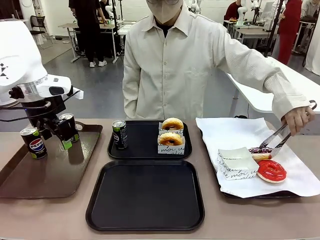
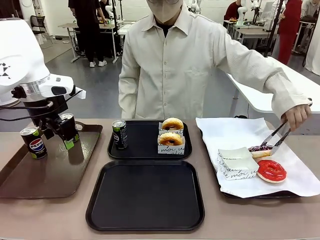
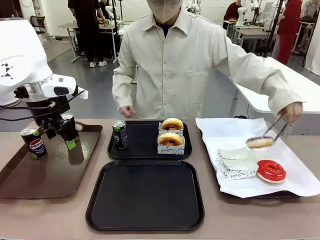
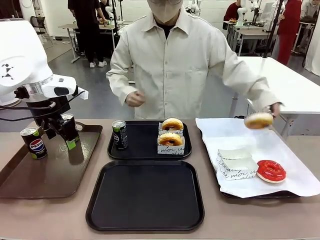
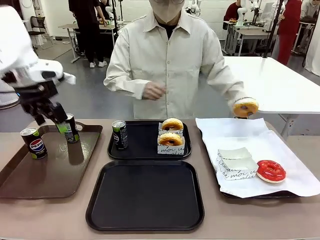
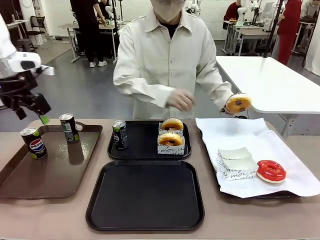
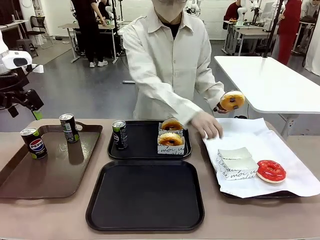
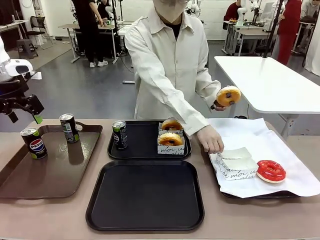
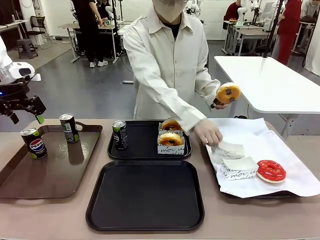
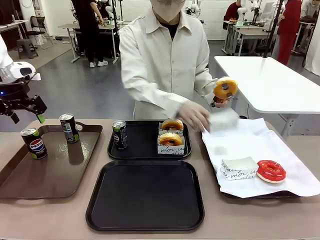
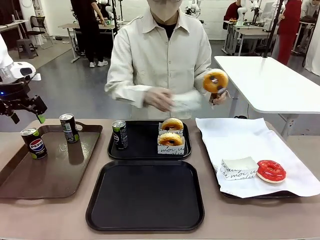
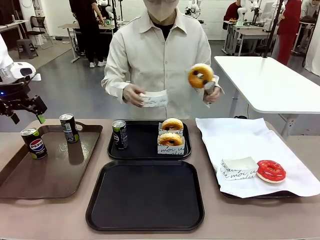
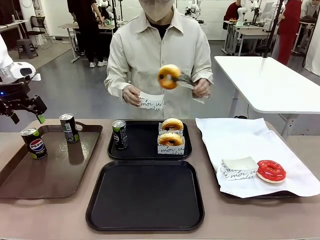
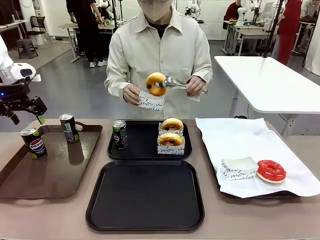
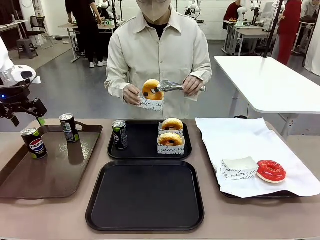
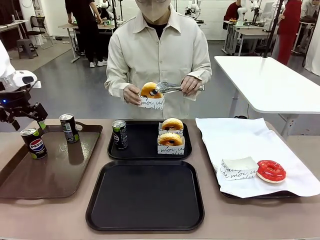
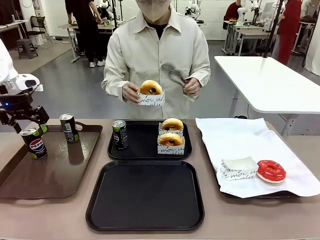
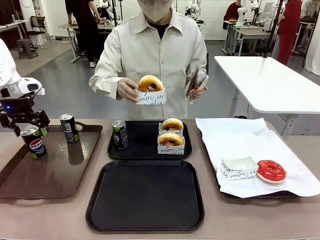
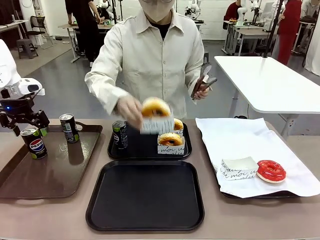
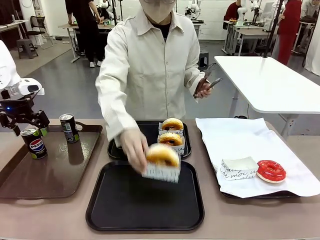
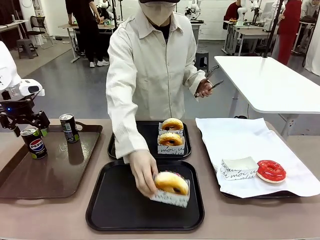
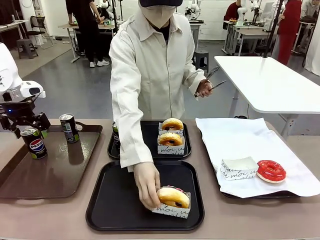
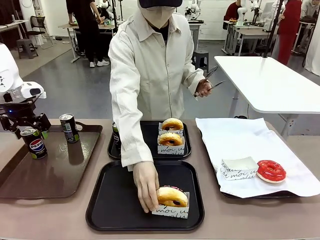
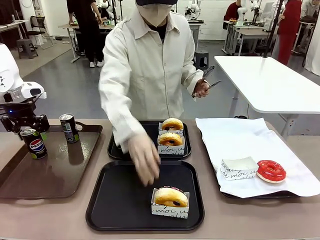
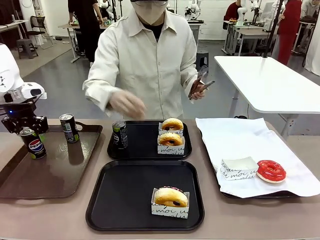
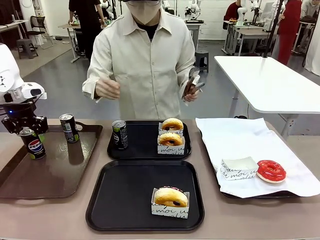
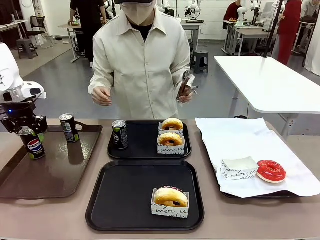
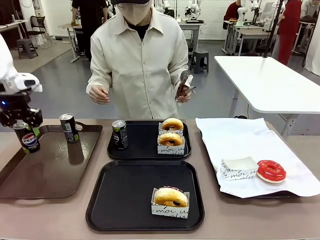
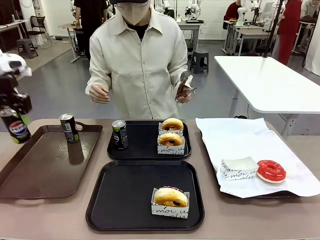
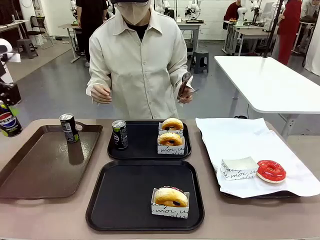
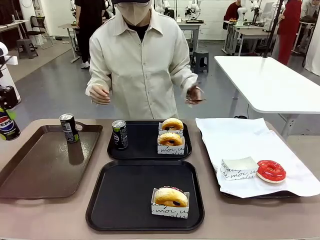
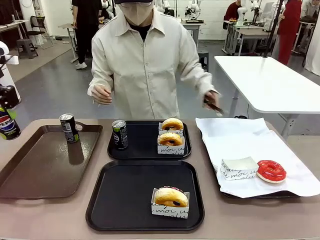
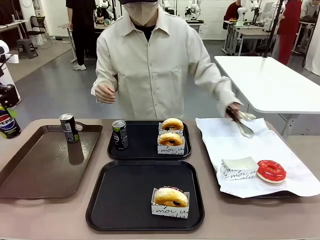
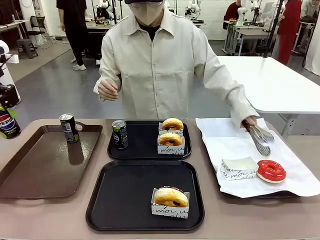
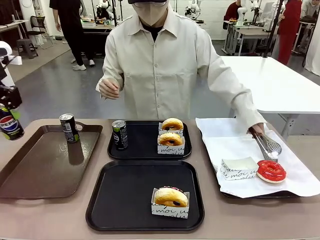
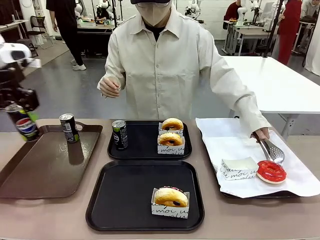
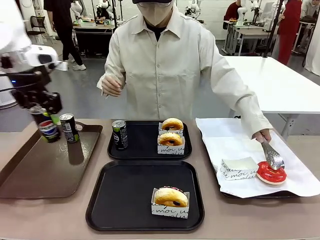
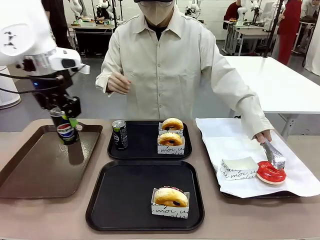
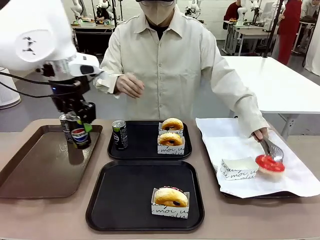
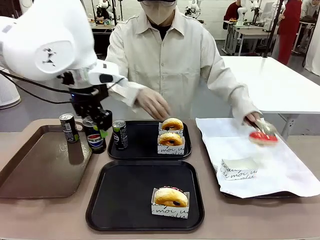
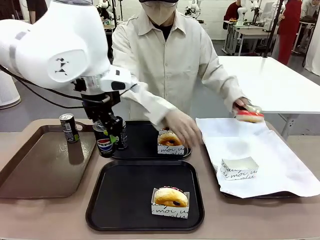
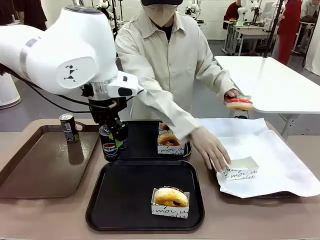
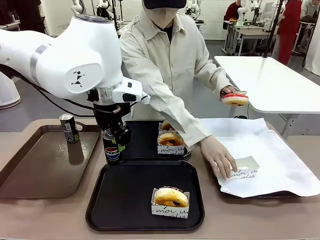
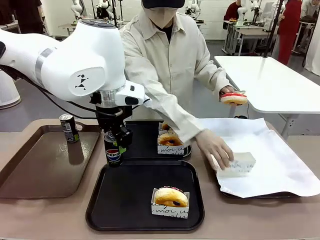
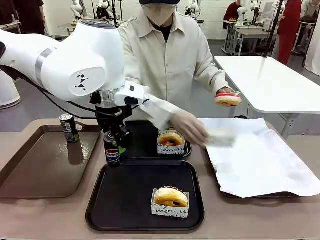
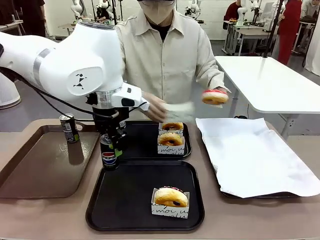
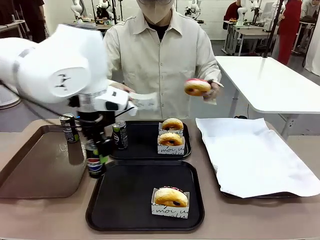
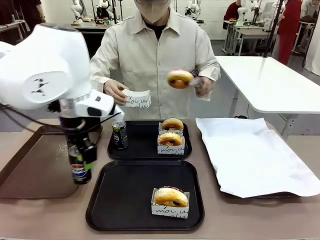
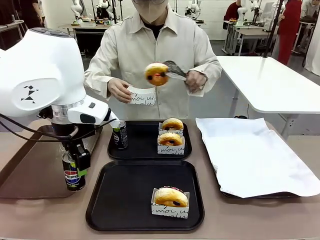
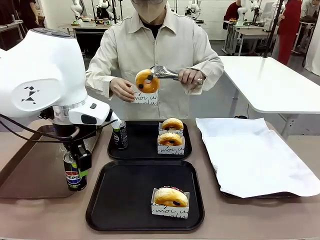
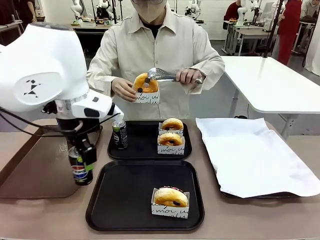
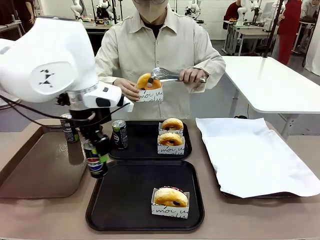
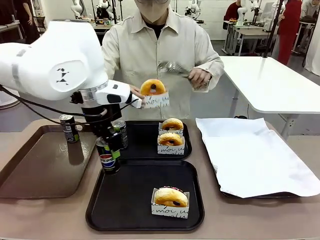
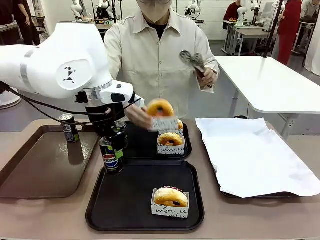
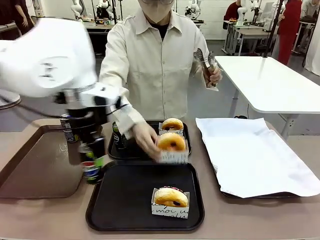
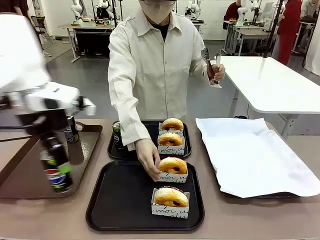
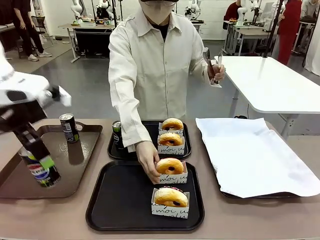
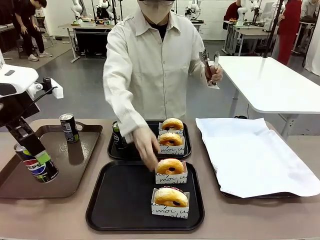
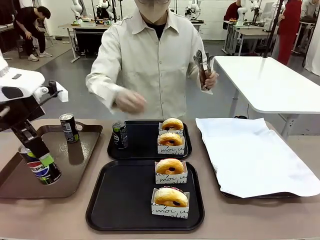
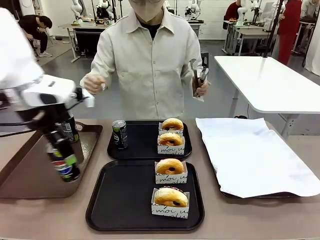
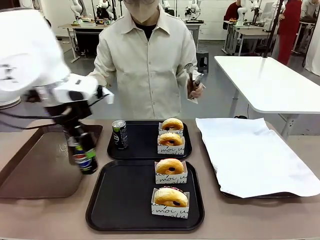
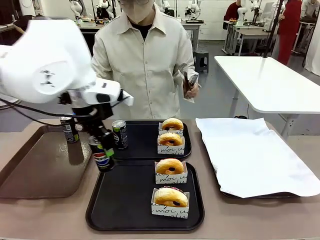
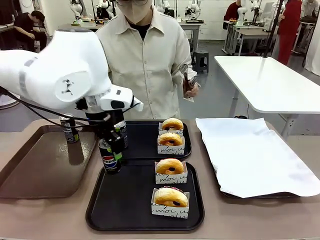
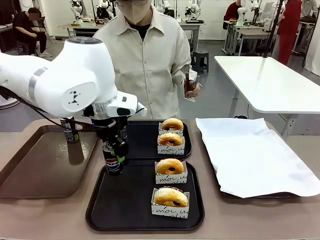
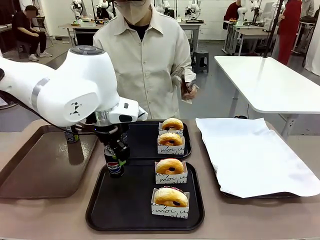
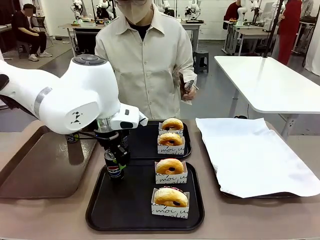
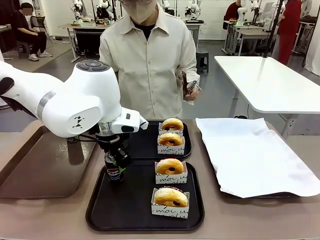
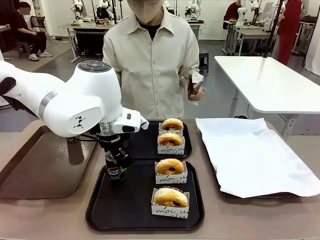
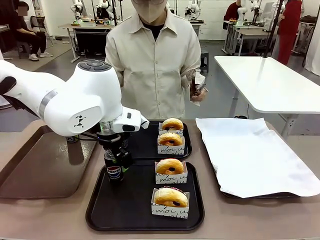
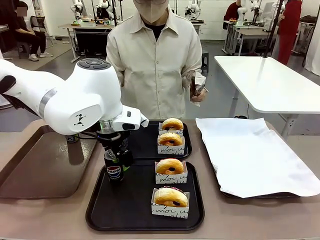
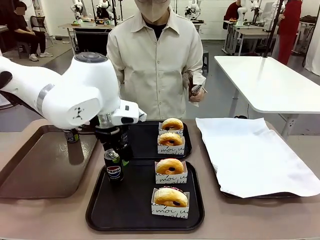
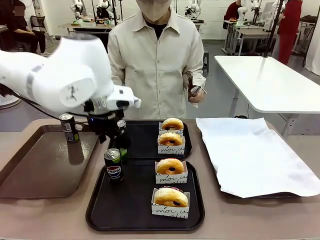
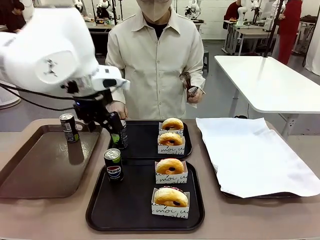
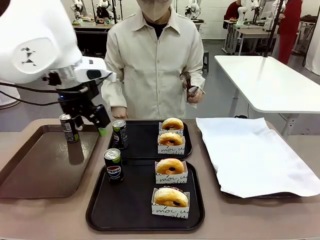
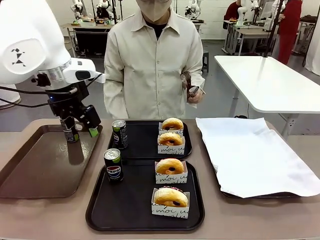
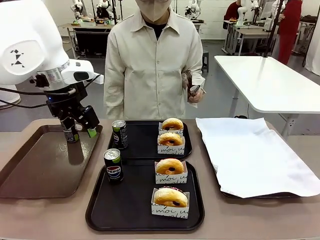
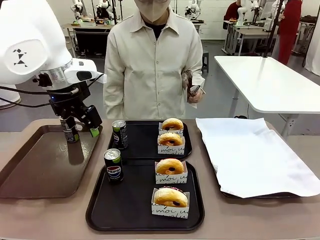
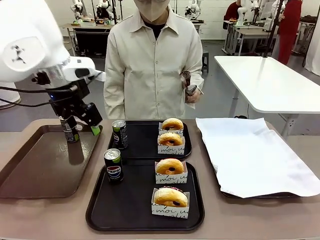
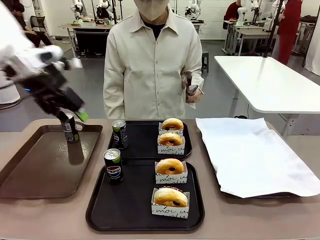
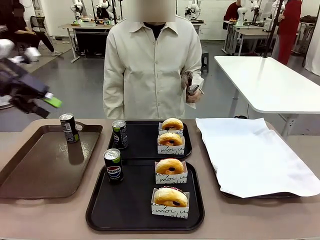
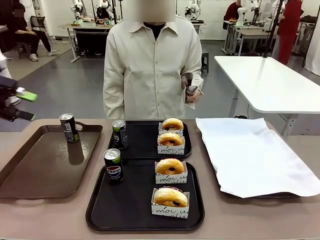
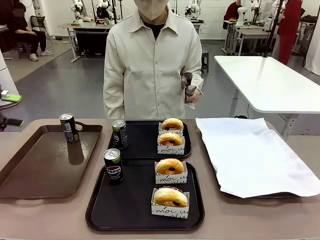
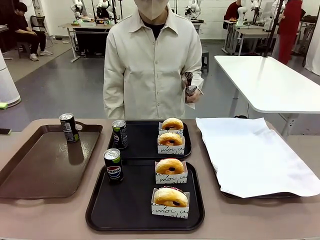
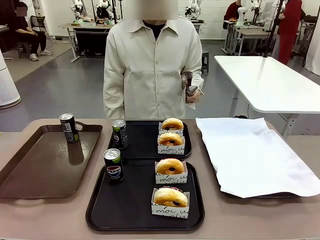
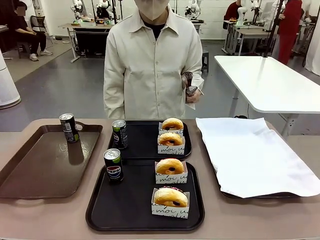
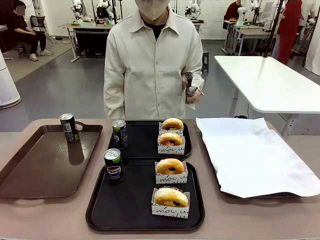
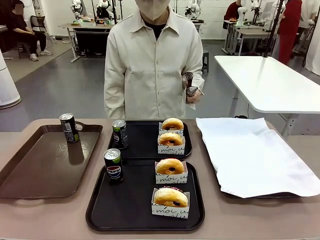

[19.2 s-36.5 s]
Task: Set up donuts and drinks on trays.
Robot: Pick up one Pepsi coke from the Handle tray and place it on the Flat Tray without a Pepsi coke.
